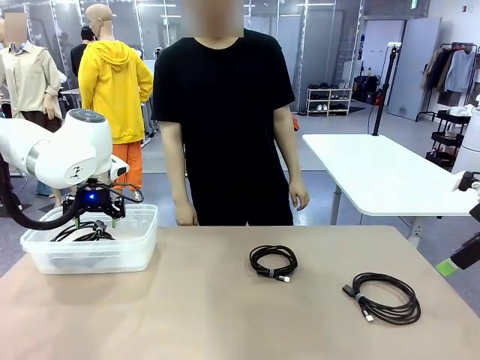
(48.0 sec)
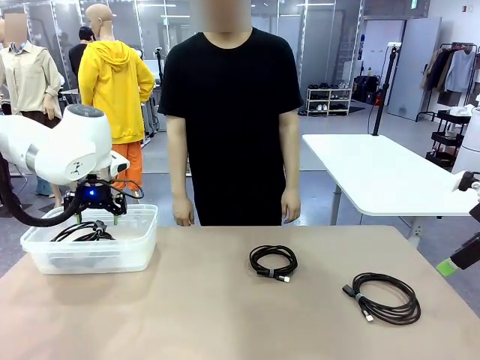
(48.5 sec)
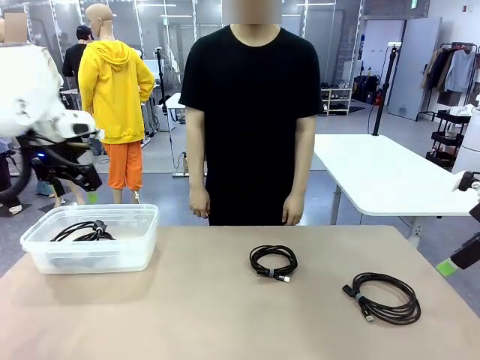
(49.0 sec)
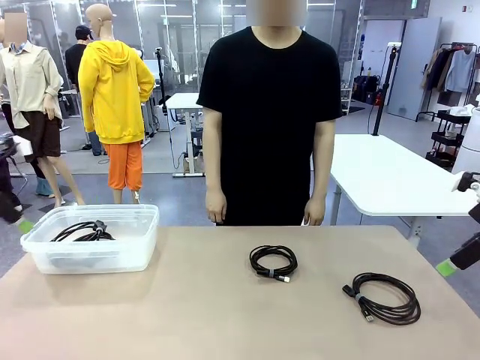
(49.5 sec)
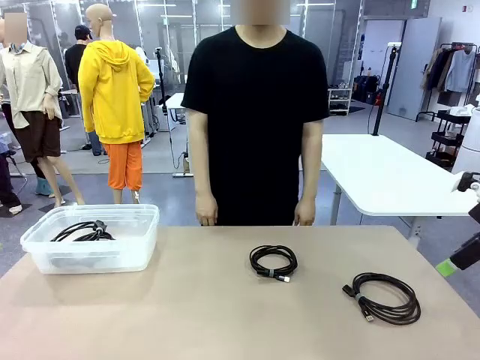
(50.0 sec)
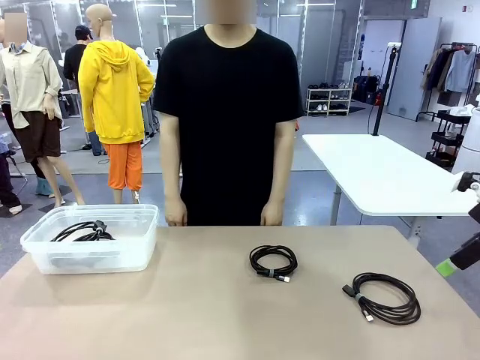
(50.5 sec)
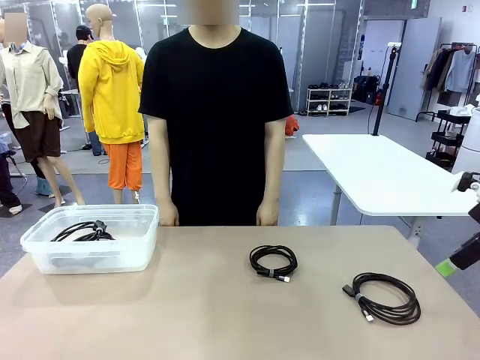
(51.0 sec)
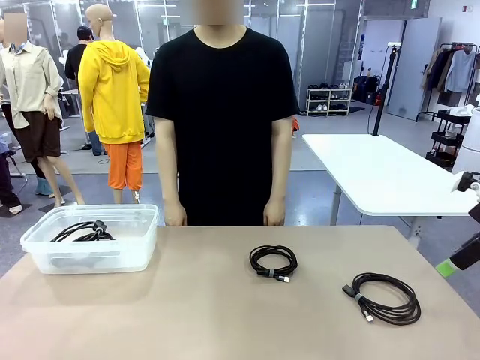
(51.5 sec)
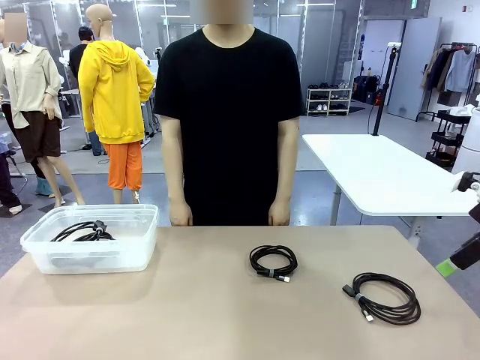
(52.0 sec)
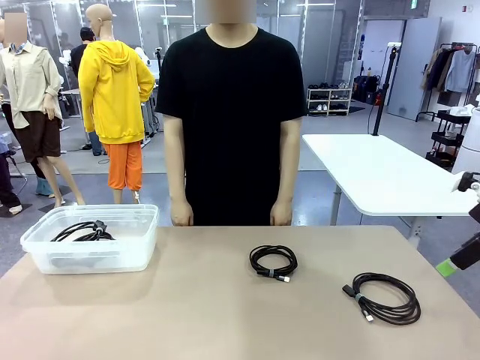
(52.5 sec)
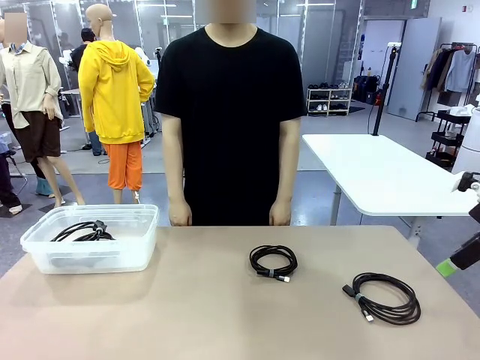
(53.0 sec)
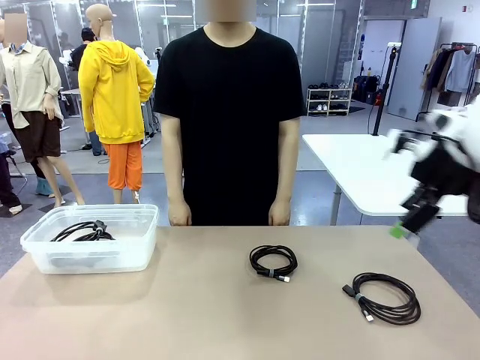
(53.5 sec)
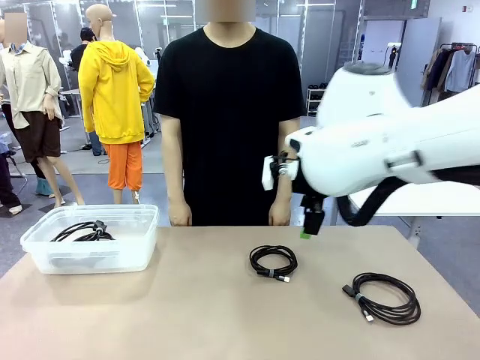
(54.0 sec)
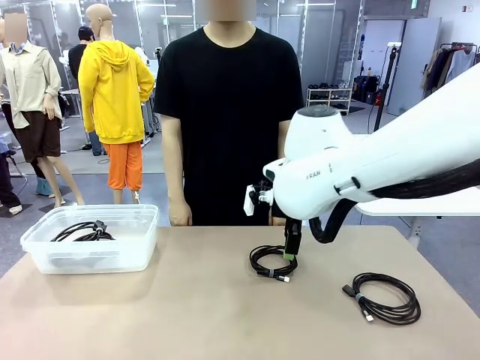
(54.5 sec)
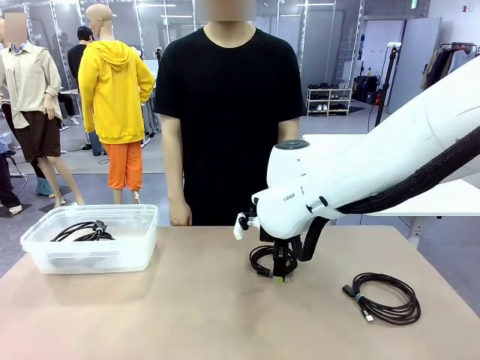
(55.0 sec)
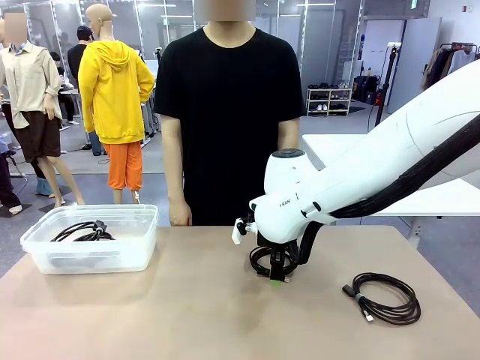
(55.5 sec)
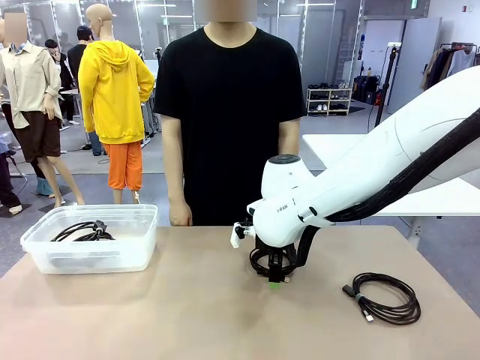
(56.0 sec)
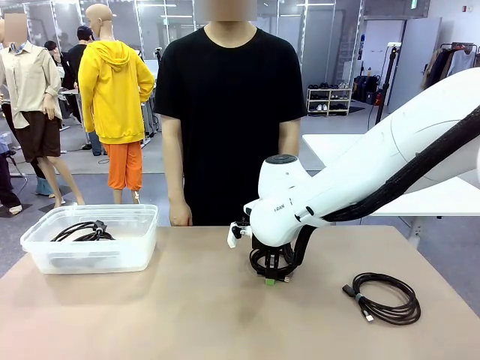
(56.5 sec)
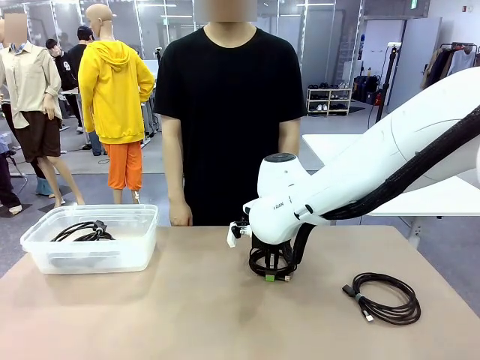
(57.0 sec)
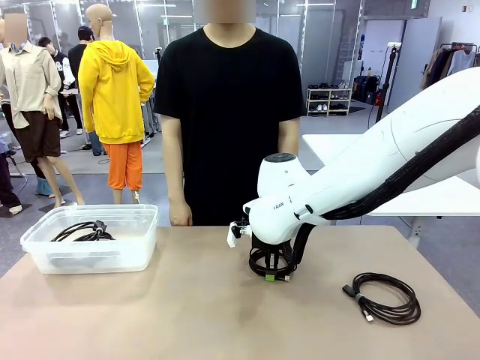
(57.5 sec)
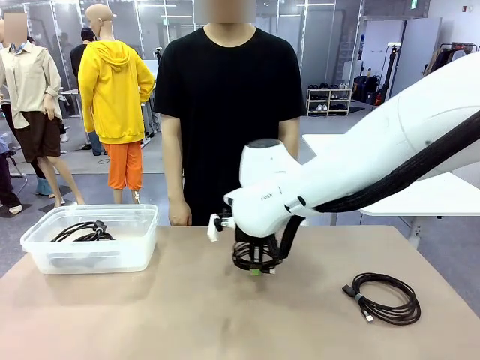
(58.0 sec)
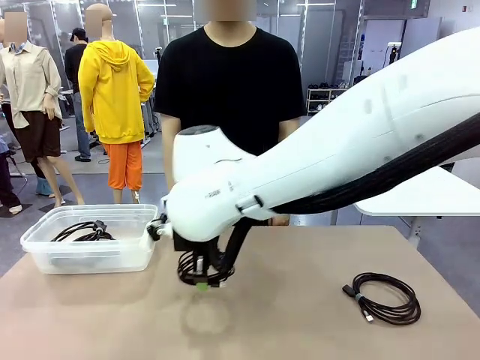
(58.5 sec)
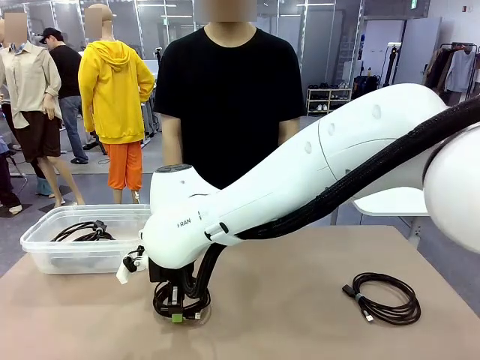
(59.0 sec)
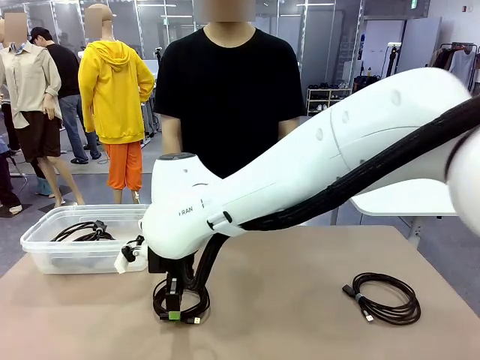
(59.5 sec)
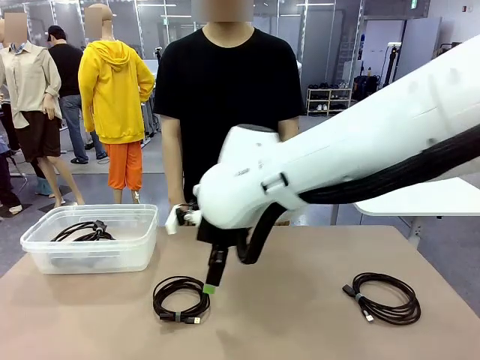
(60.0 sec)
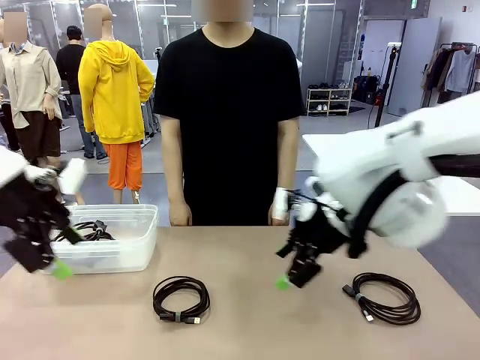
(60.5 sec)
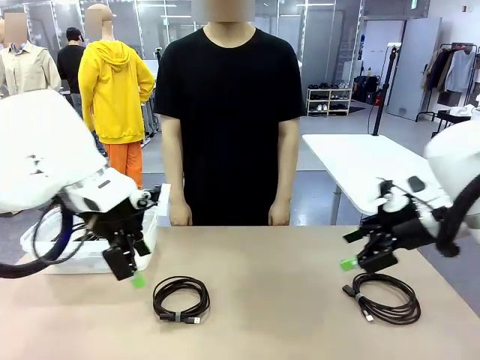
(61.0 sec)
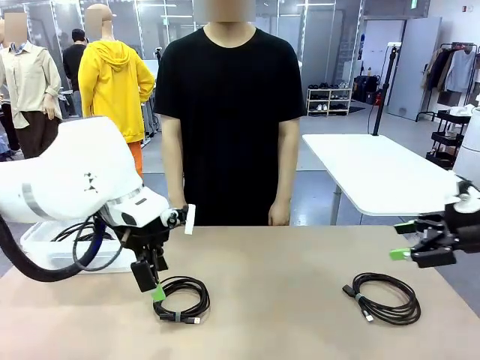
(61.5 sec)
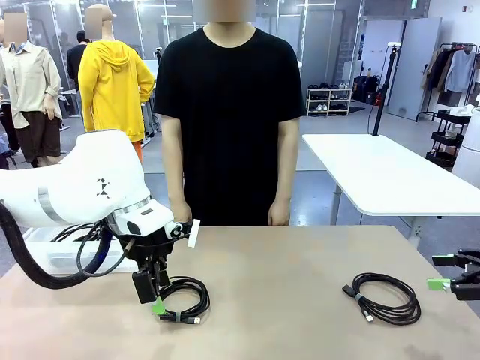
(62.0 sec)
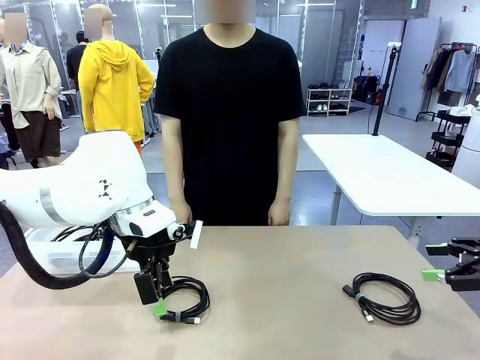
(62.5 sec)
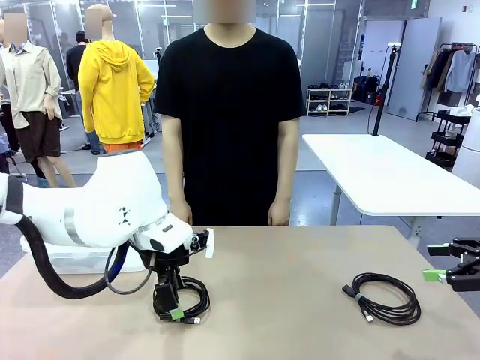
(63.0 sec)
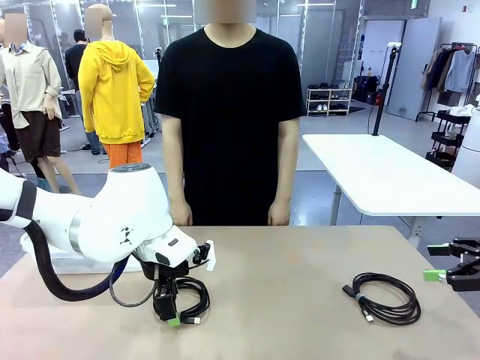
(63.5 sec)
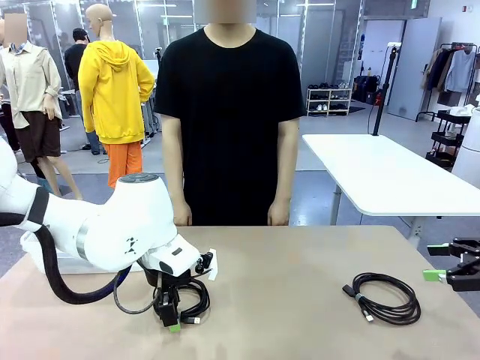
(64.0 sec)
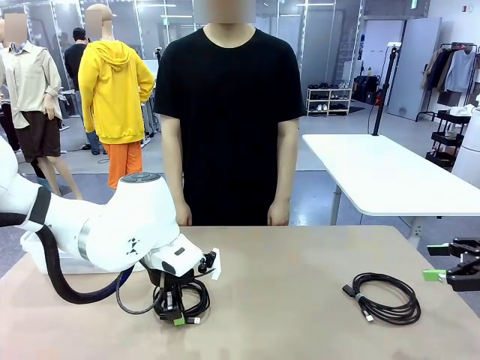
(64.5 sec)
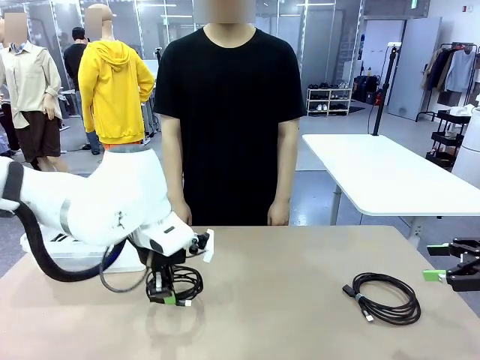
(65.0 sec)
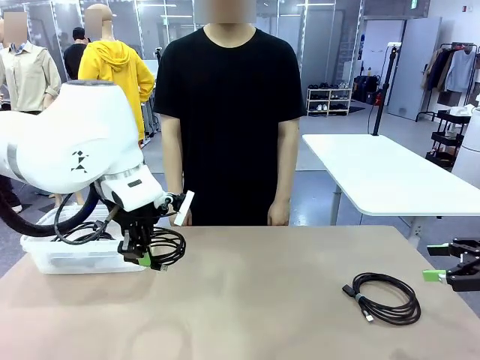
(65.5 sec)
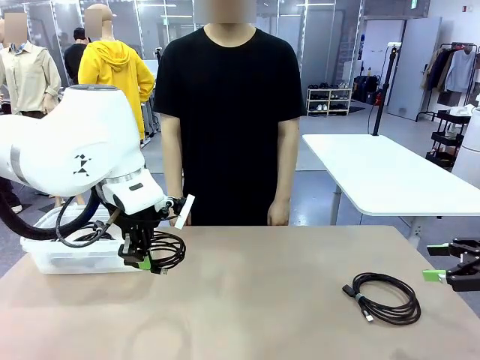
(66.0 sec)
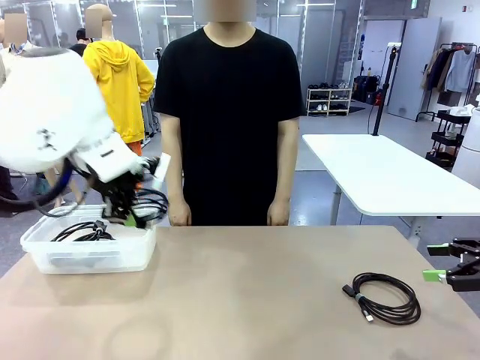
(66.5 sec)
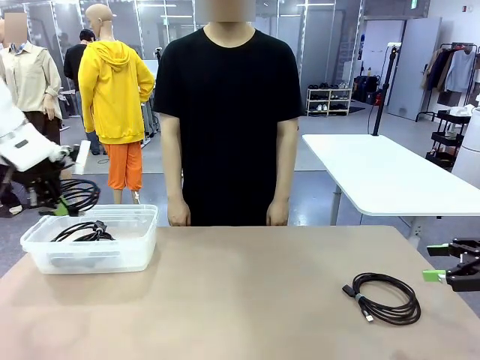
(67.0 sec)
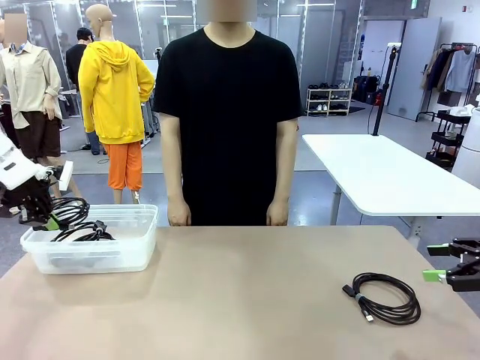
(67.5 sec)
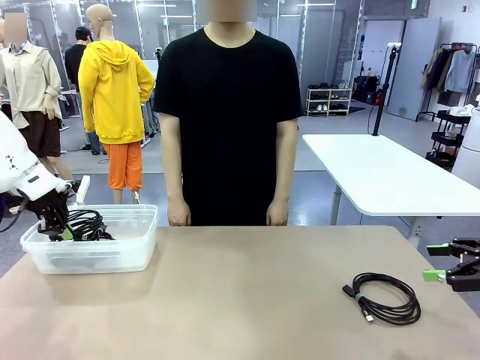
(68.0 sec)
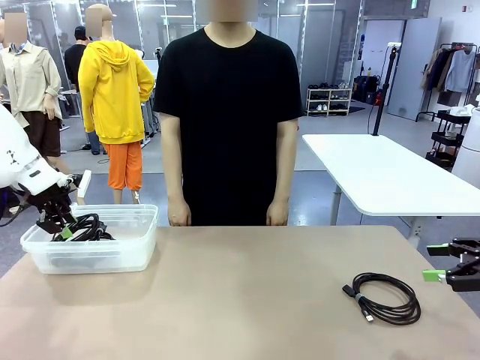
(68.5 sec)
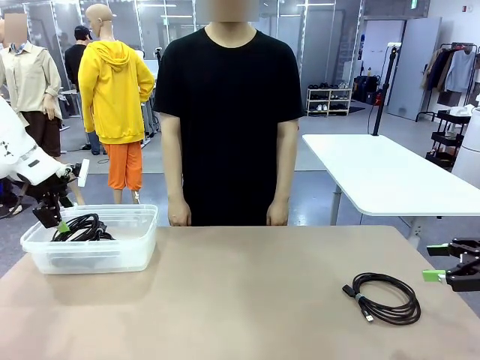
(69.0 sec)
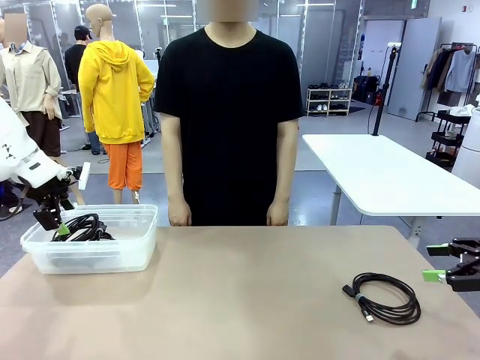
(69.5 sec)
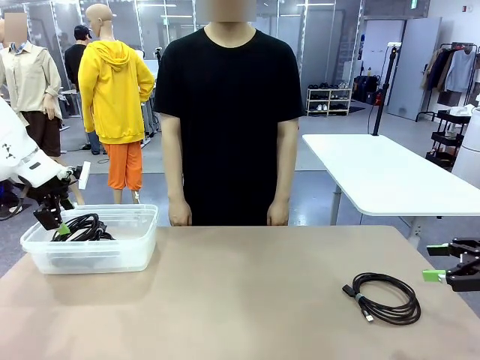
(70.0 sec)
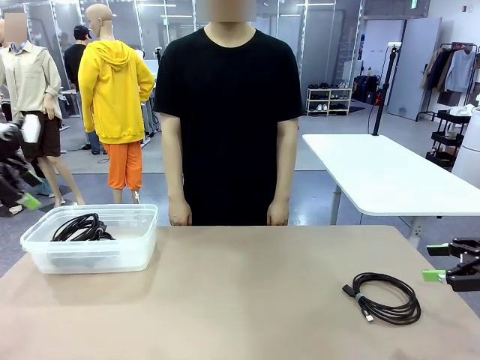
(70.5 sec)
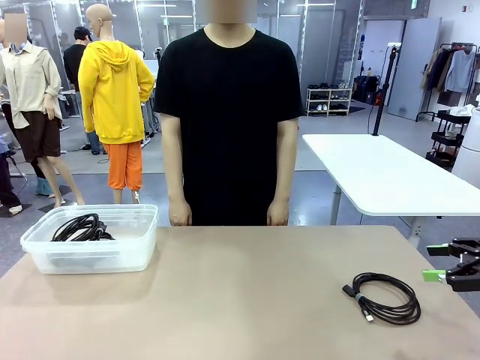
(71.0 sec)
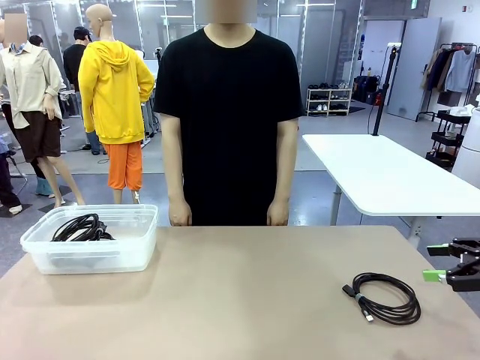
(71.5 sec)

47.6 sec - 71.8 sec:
Task: Organize and store the cables.
Robot: Place the USB Extension Cable into the Organizing box.
